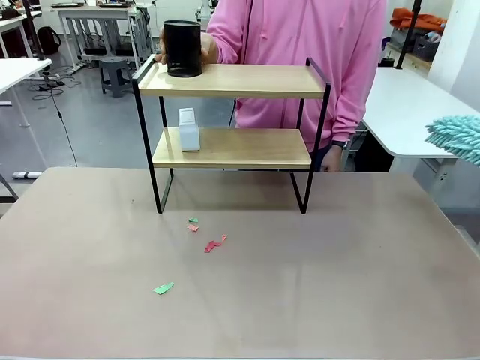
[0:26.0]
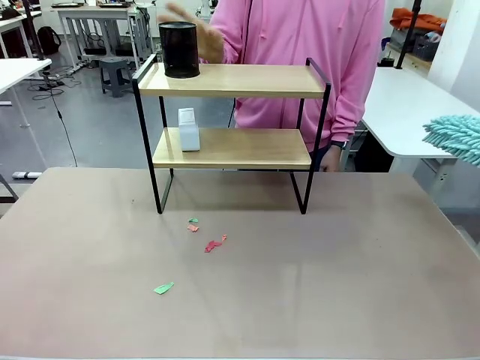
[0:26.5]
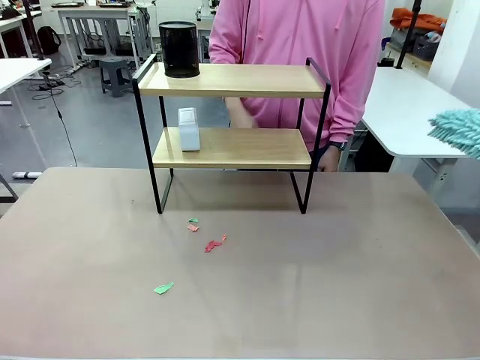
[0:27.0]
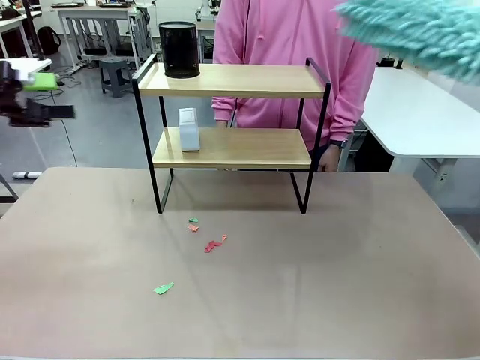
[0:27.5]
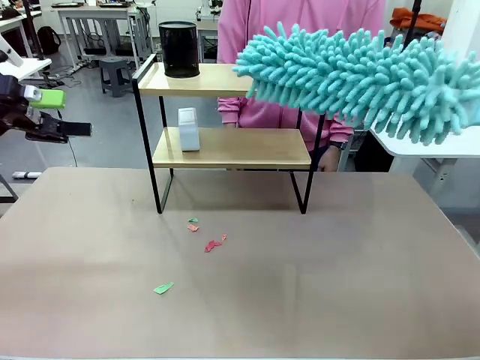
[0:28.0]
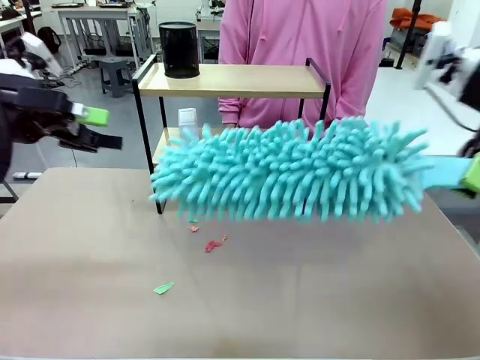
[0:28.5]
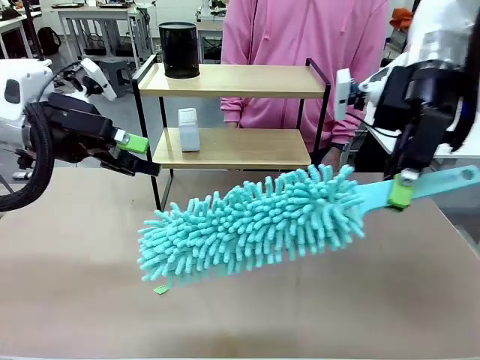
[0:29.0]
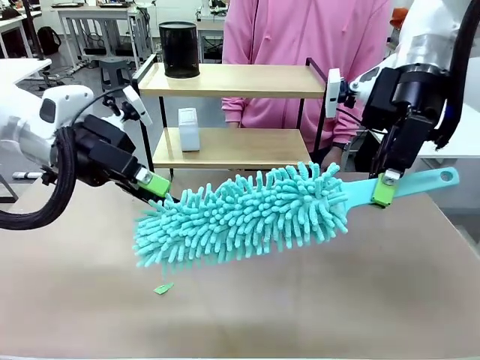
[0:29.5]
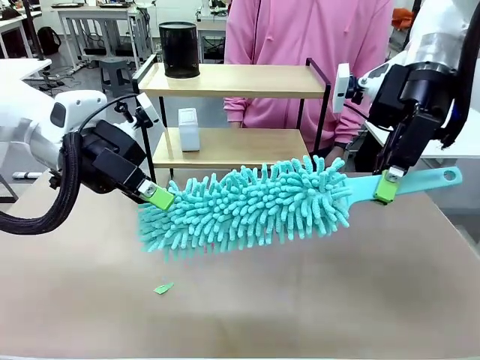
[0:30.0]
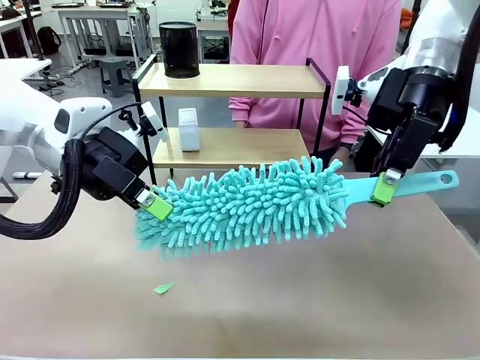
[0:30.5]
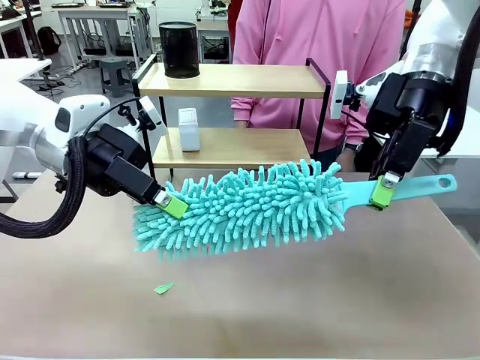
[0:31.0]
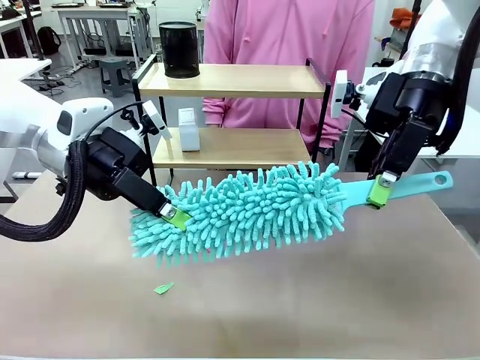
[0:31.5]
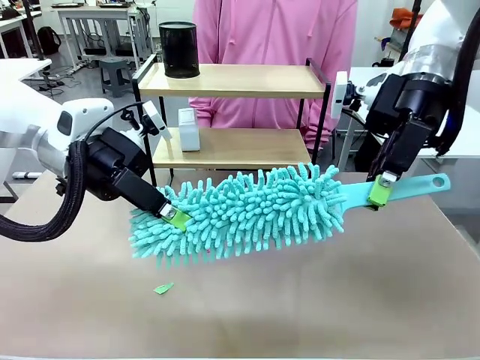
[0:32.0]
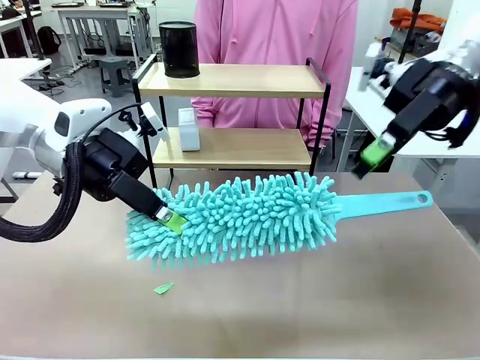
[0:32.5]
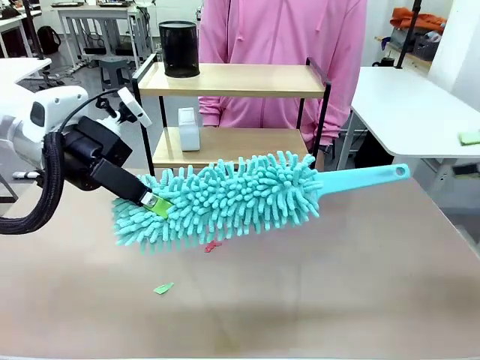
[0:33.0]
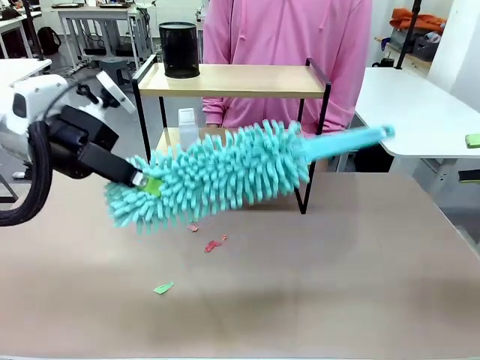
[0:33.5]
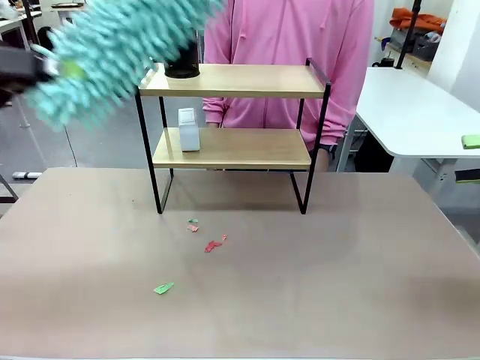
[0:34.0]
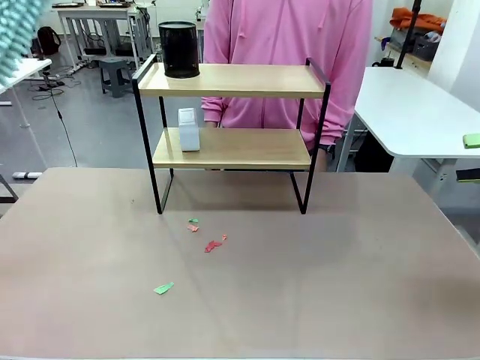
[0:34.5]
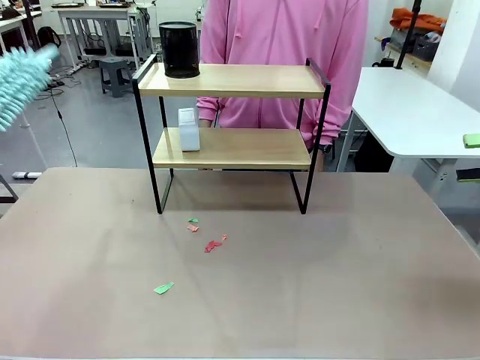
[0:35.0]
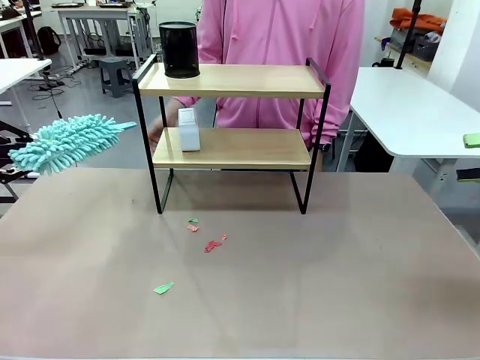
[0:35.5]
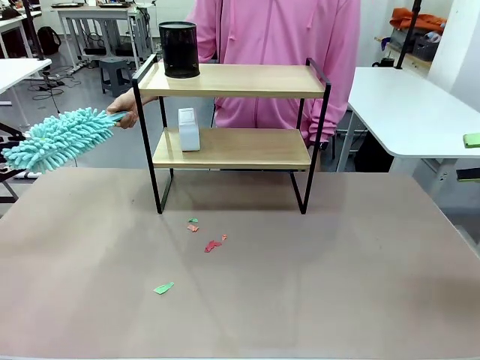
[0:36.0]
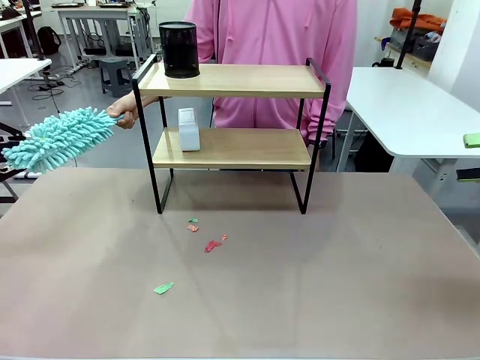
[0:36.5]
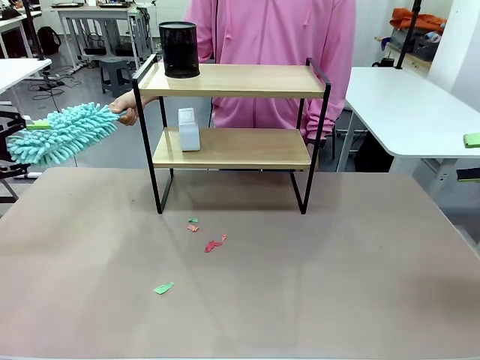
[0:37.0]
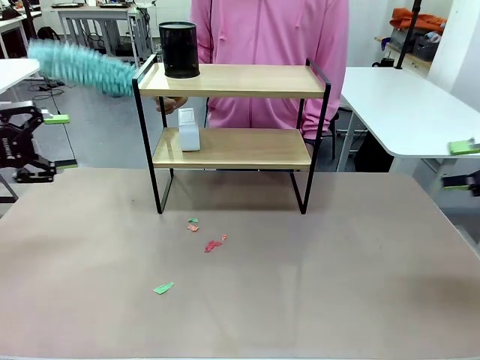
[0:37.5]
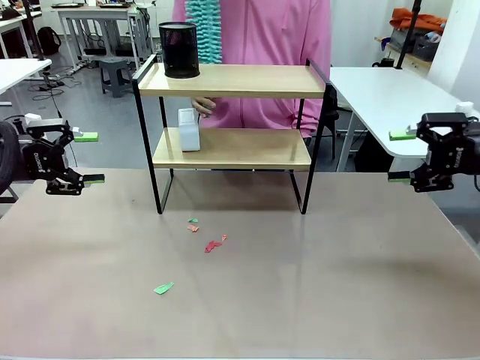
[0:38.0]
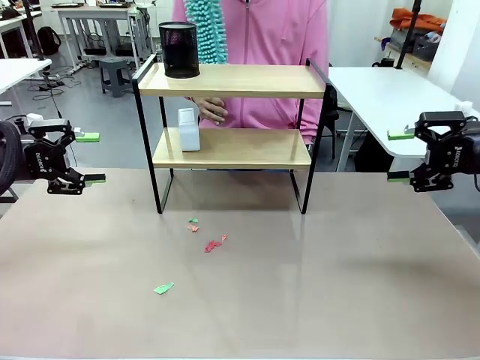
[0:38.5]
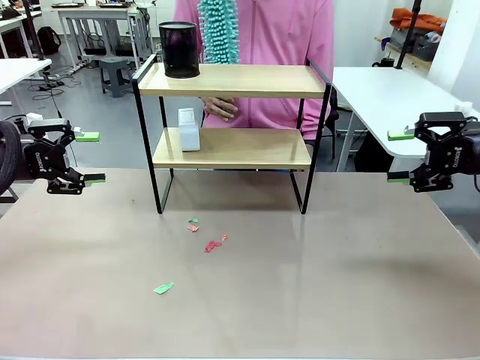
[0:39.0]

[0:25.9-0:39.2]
Task: Clean the shelf.
Robot: Hand the Duster back to the human.
Person: Receive the Duster from the robot.

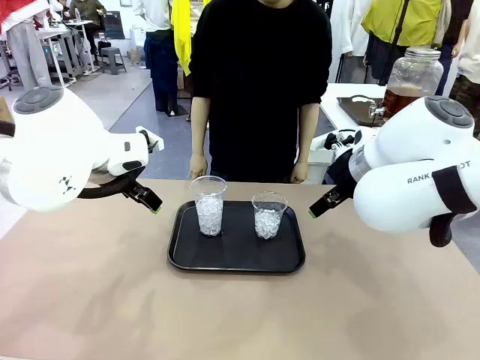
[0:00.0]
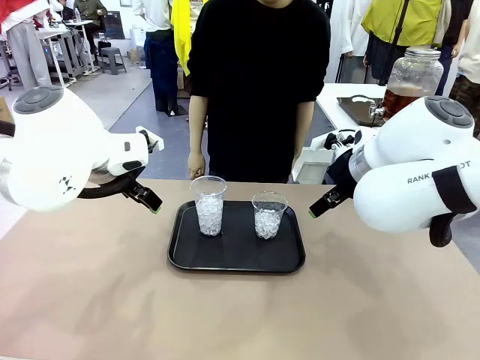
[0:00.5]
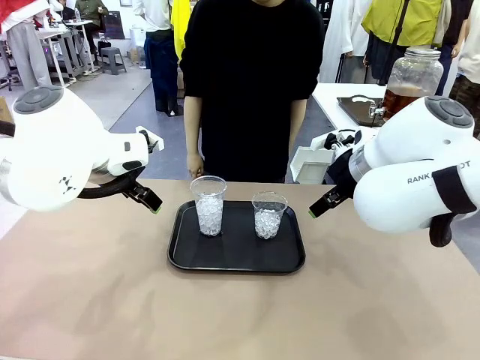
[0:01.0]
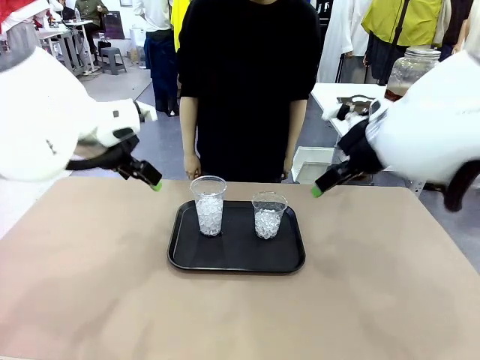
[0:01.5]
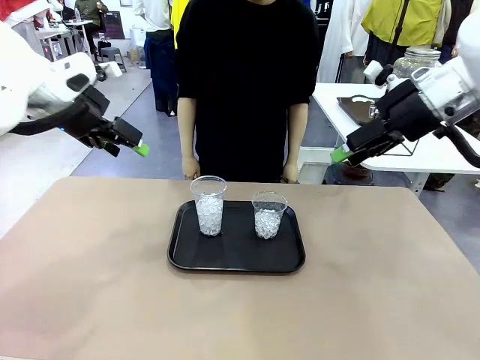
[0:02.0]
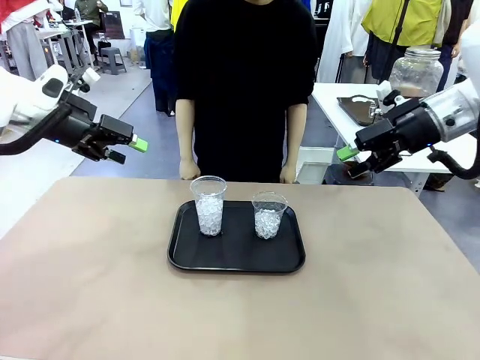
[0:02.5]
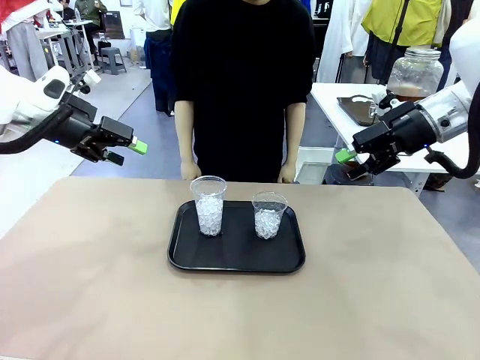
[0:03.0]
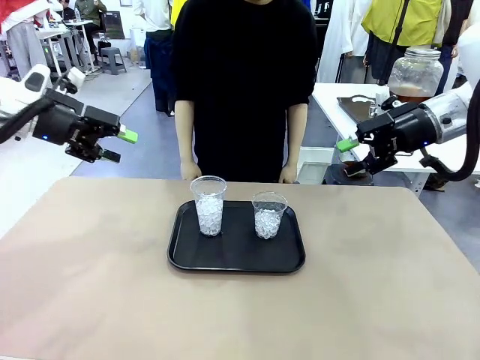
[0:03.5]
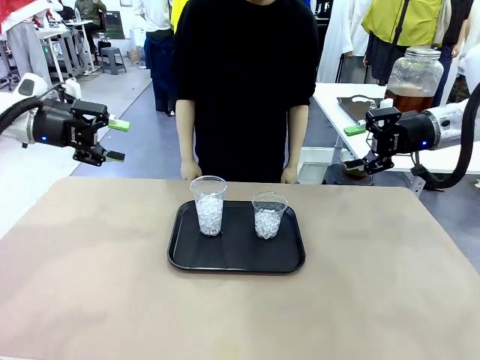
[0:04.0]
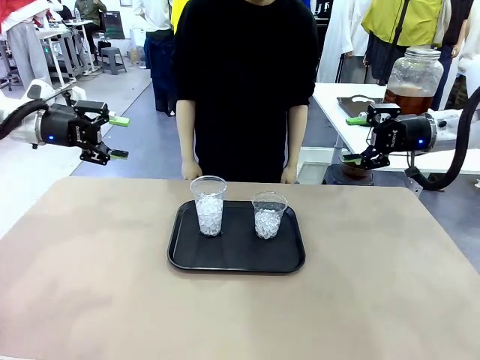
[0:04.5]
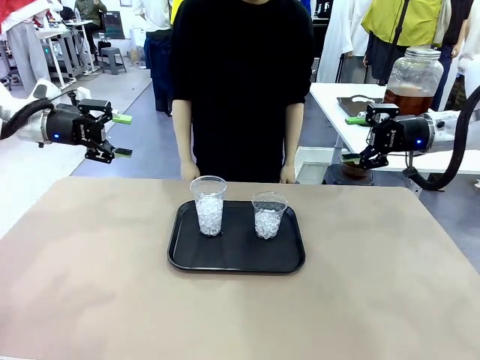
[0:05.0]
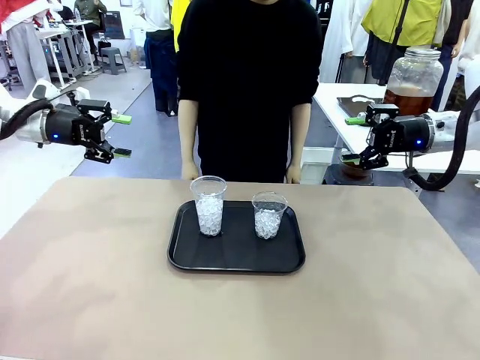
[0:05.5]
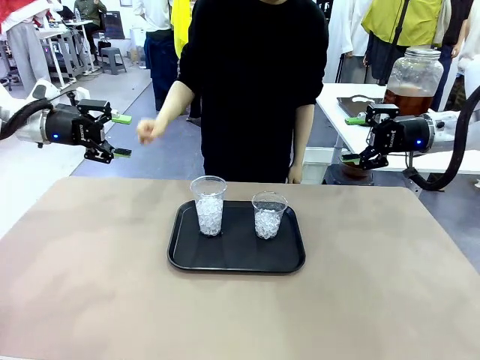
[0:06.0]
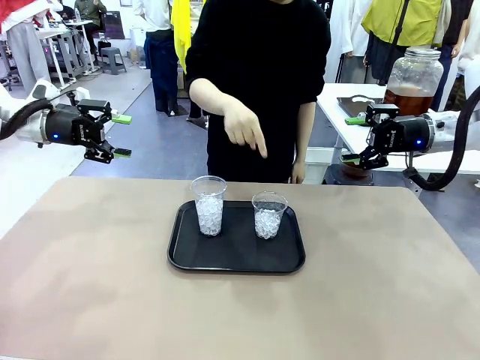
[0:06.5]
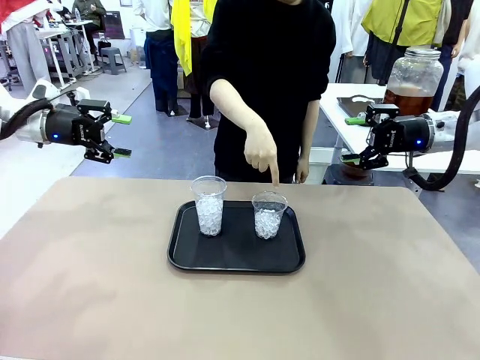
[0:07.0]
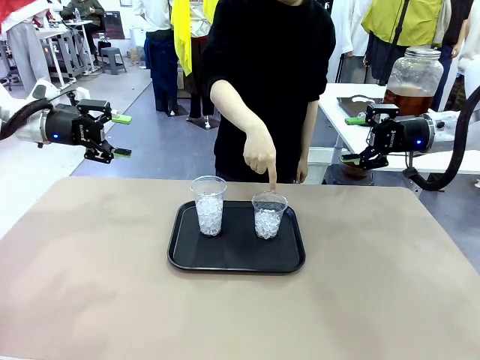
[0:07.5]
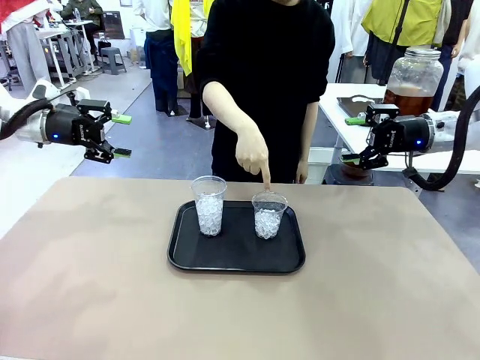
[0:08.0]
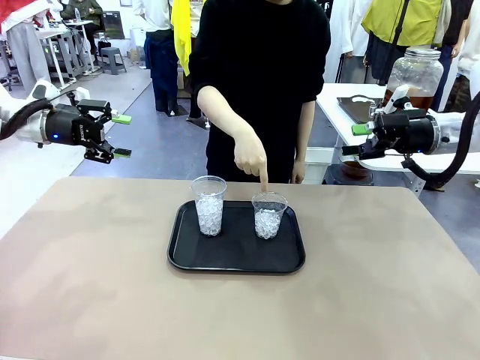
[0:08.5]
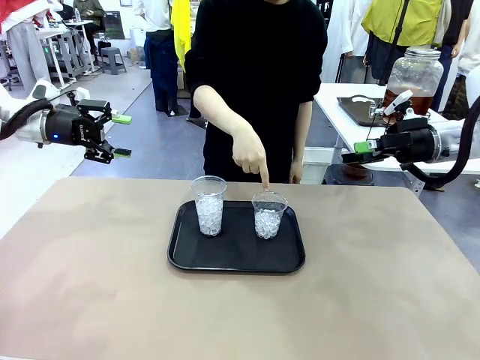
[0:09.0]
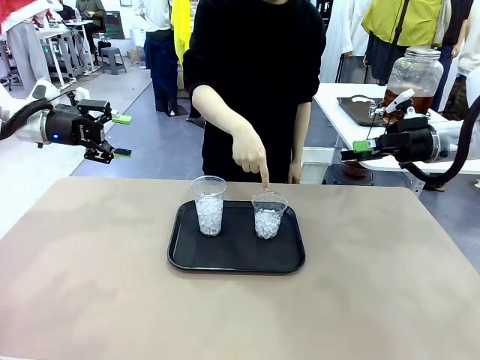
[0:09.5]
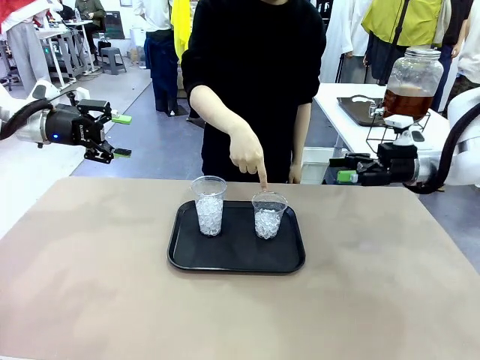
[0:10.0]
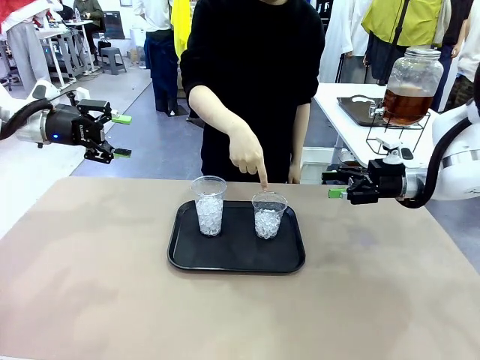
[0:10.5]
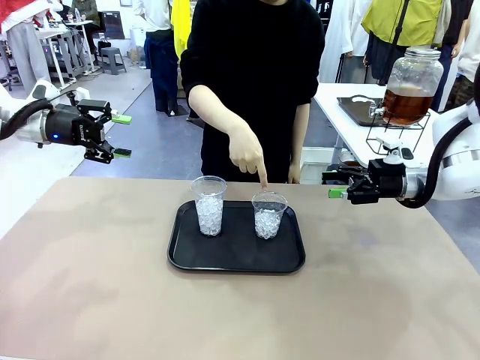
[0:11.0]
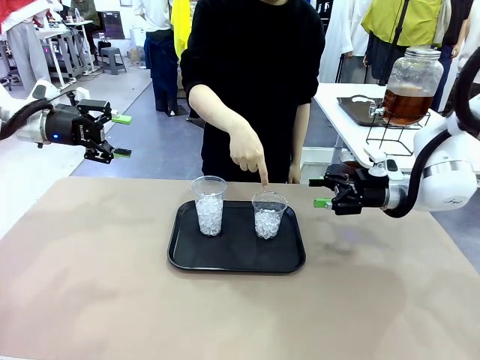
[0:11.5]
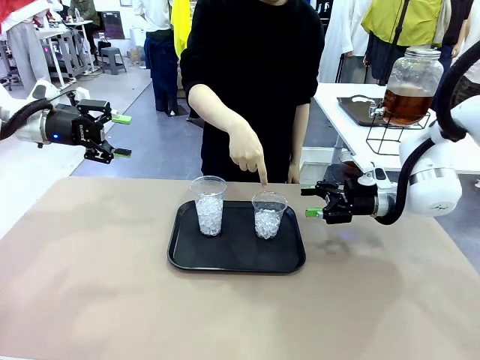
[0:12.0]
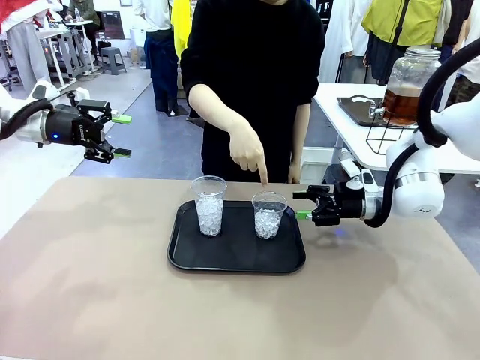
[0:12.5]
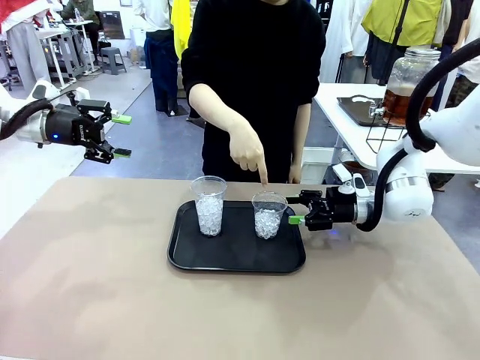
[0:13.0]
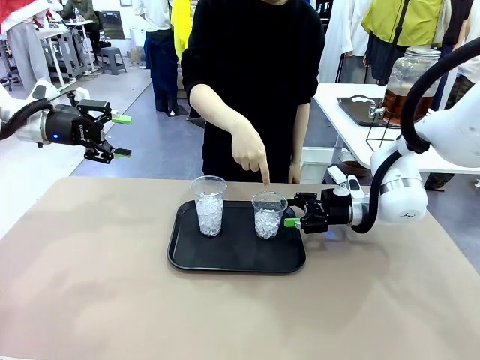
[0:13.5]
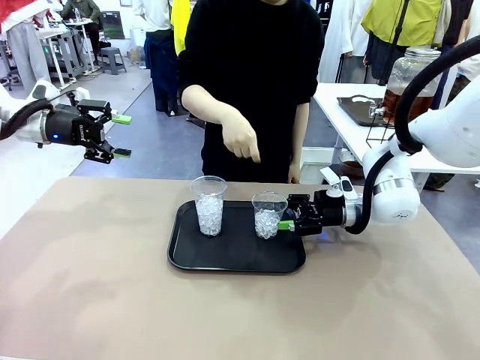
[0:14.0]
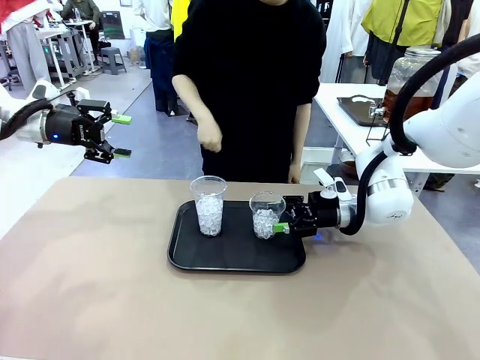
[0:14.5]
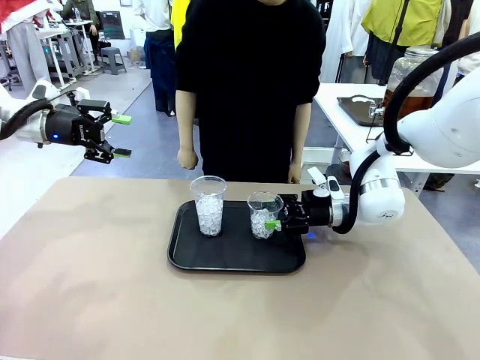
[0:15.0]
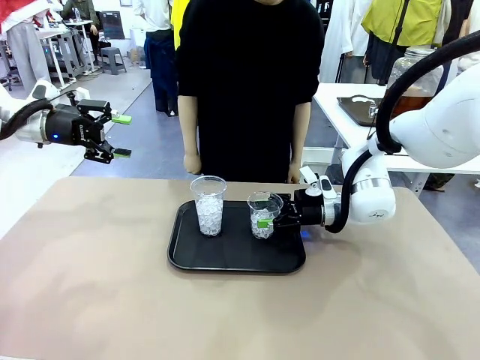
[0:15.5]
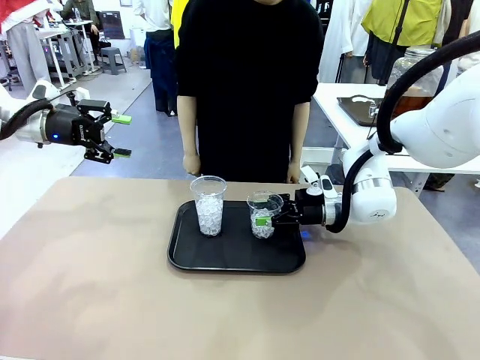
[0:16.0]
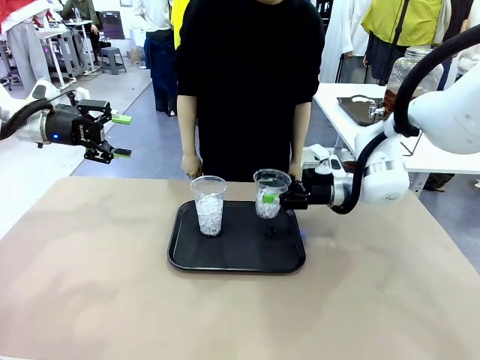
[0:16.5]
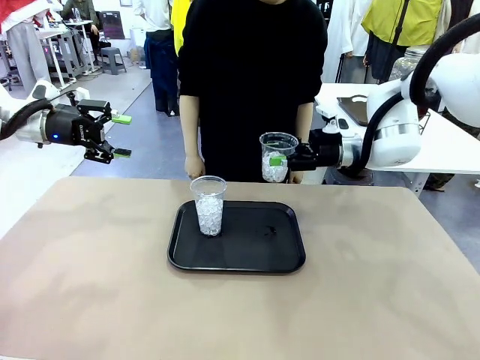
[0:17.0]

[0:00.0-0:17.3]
Task: Pour the drink into the iced cup.
Robot: Pick up the iced cup indicated by the human and present it to them.
Person: Point to one of the two ice cups. Pick up the cup offered by the robot.
